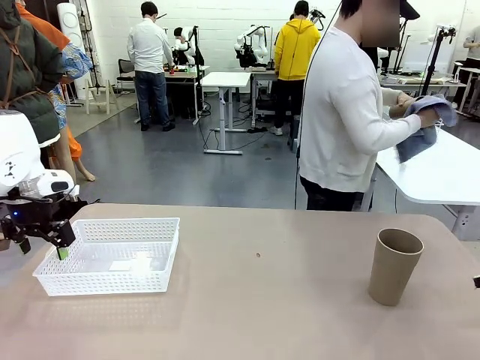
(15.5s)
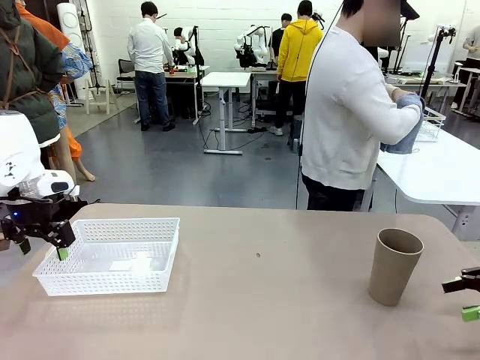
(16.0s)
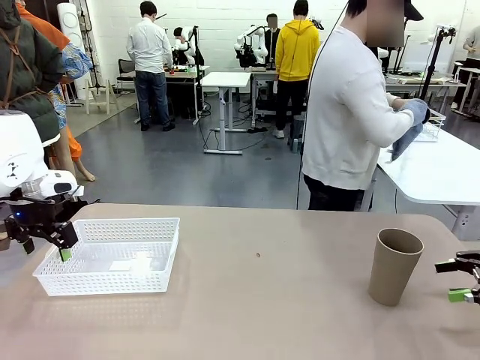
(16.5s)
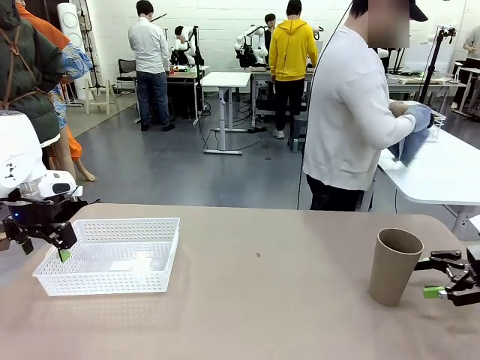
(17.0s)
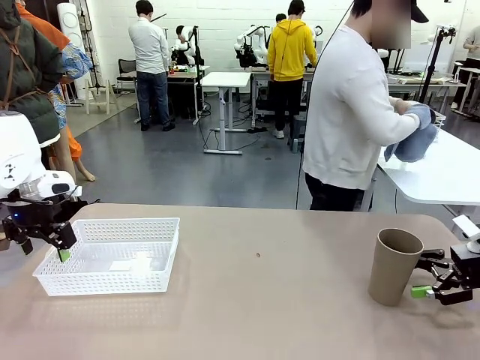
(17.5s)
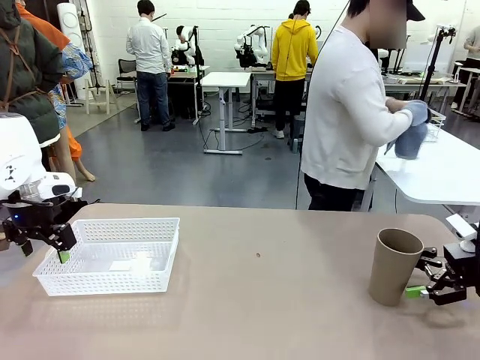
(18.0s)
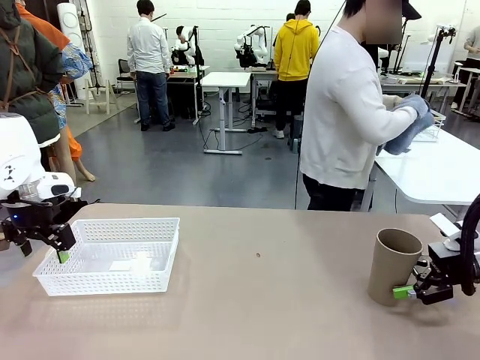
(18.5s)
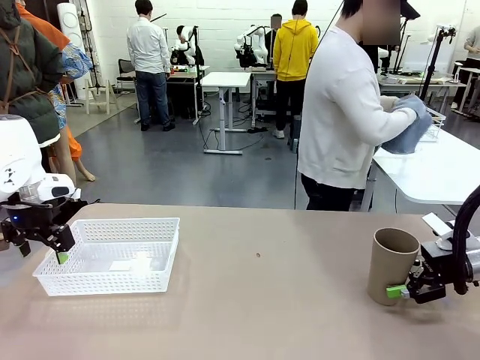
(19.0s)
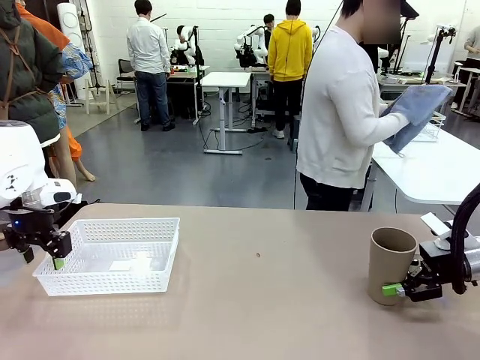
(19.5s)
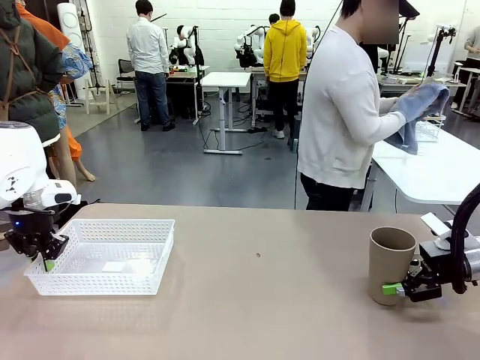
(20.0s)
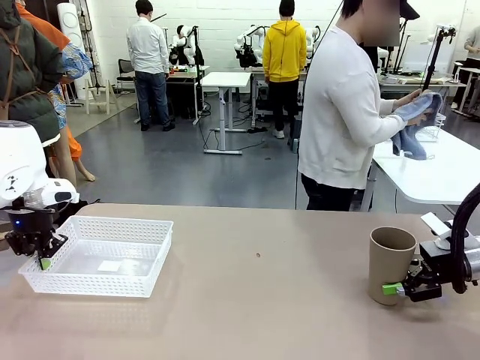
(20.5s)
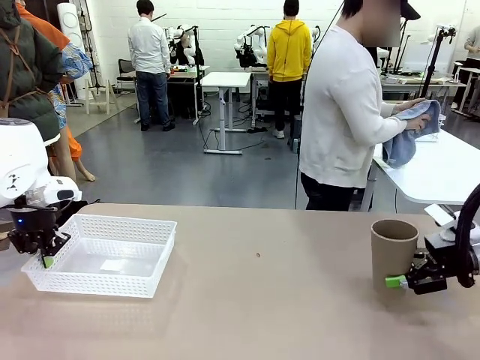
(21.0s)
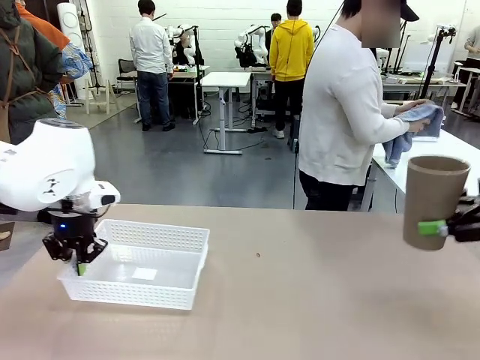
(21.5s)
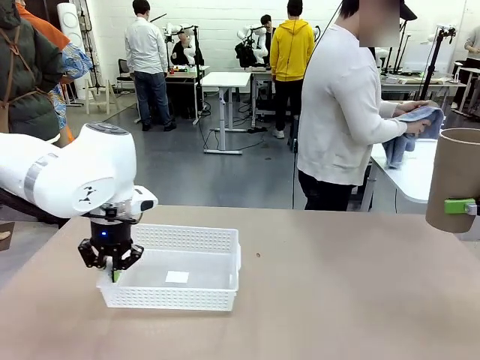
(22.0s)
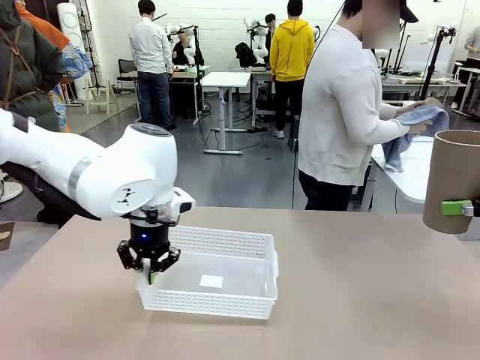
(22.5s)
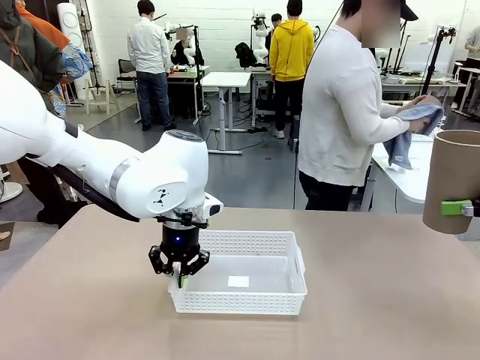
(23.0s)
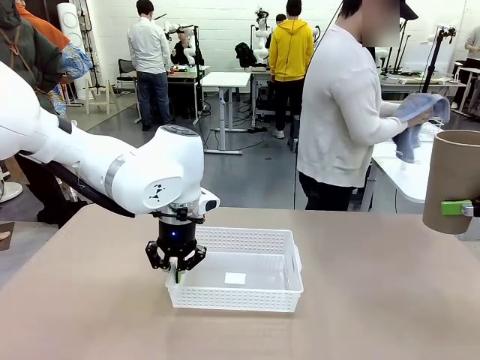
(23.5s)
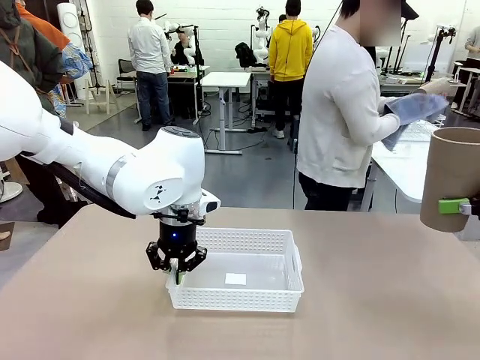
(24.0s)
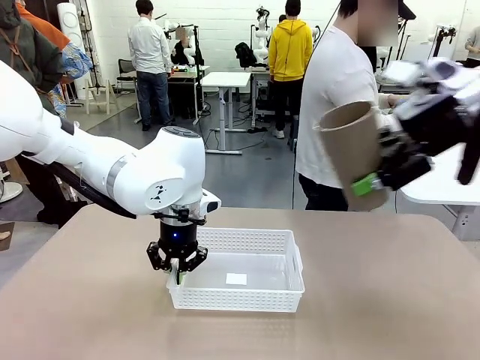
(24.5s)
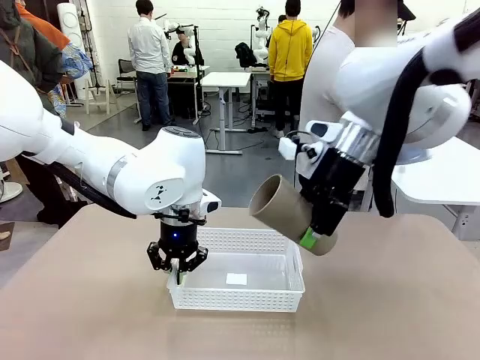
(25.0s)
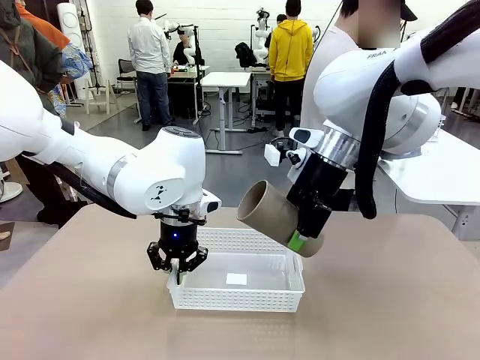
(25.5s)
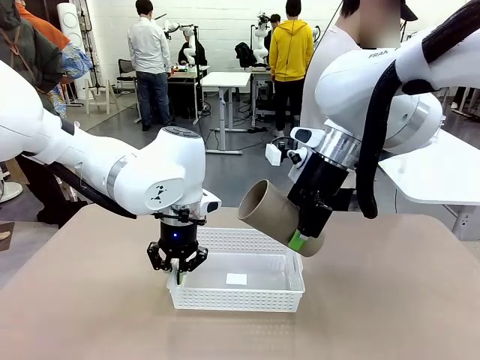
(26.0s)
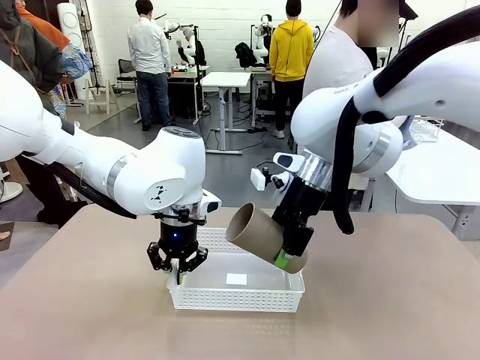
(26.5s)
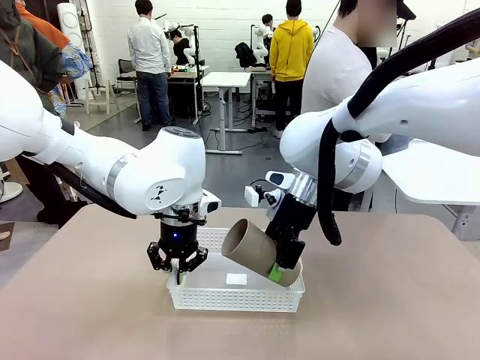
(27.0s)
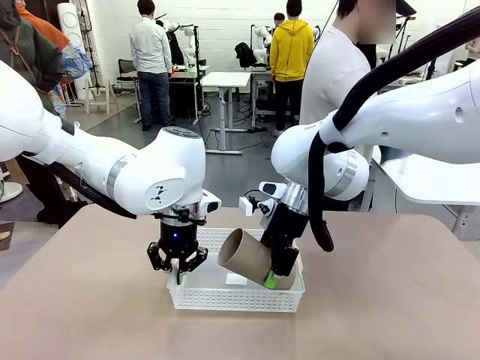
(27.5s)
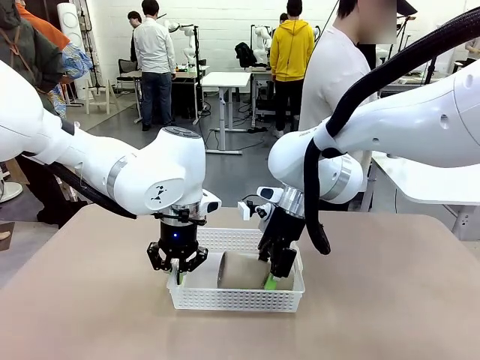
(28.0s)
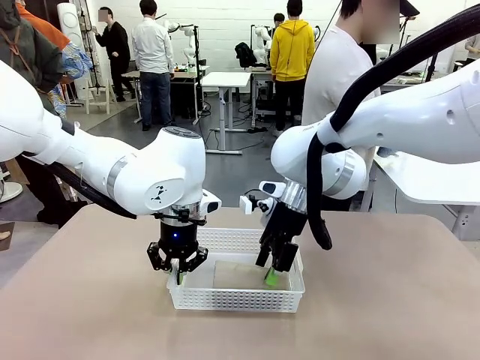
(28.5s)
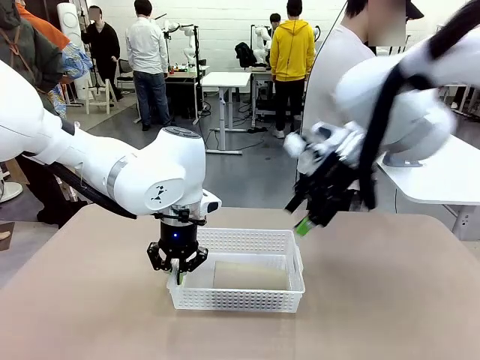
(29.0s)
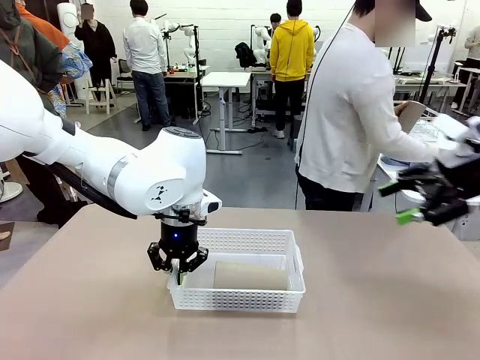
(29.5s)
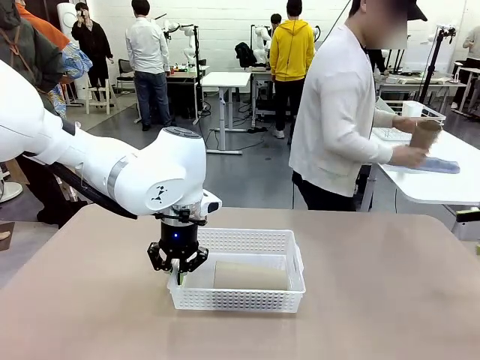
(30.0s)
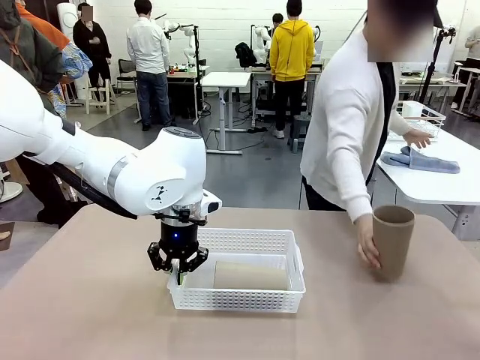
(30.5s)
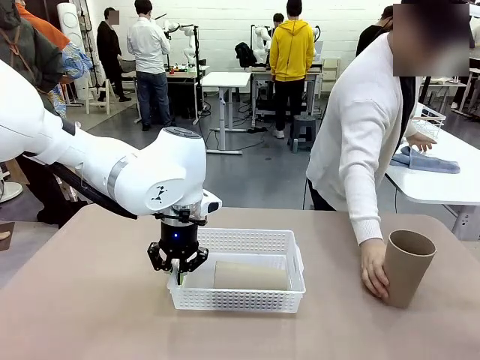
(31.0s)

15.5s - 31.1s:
Task: Clean and organize the cups into the basket.
Robot: Pick up the Organizing basket and move it to the center of the table, then pick up the Reusable plastic cup from the right side of the table and place it inside the Organizing basket.

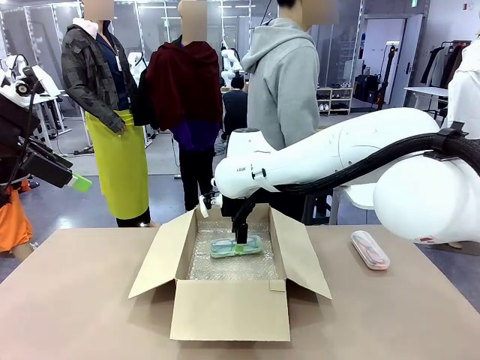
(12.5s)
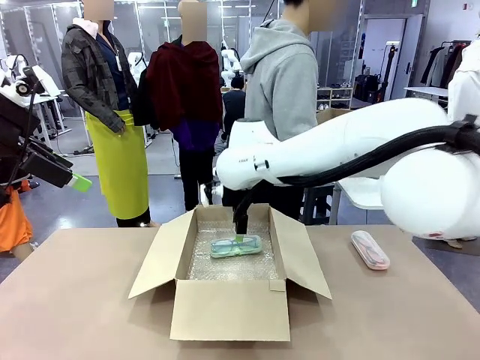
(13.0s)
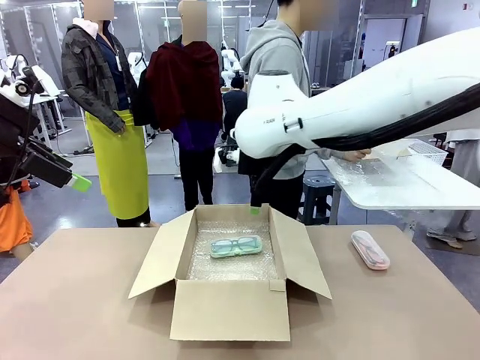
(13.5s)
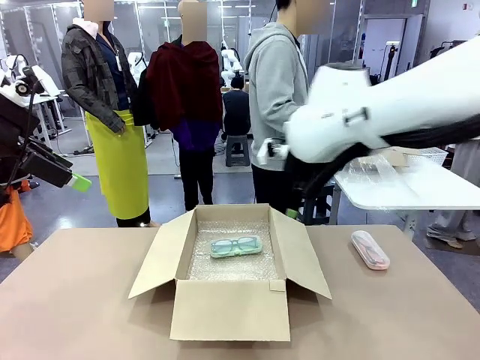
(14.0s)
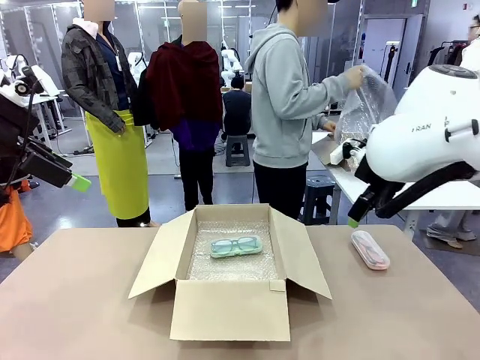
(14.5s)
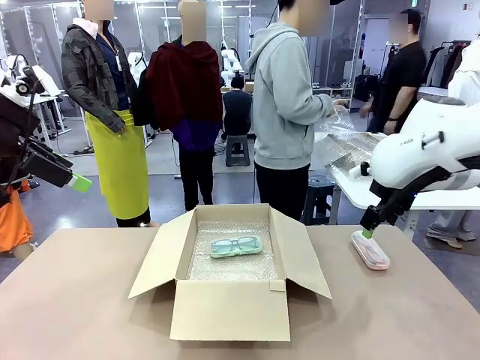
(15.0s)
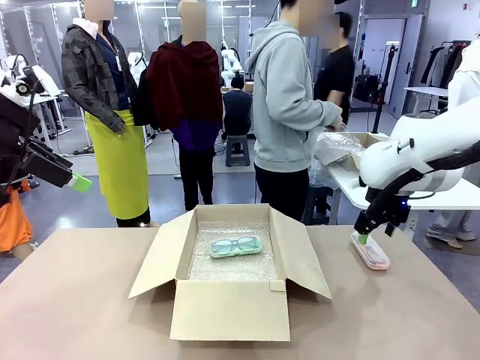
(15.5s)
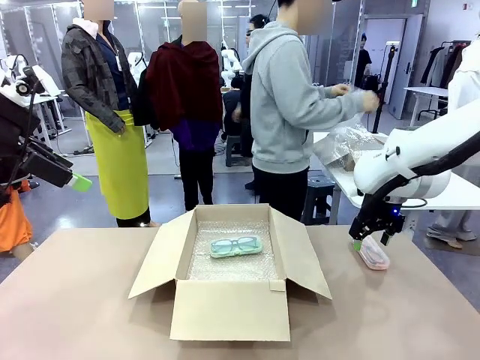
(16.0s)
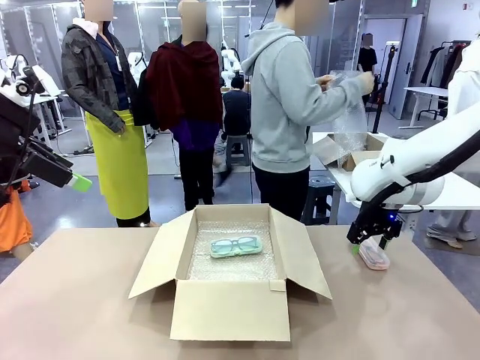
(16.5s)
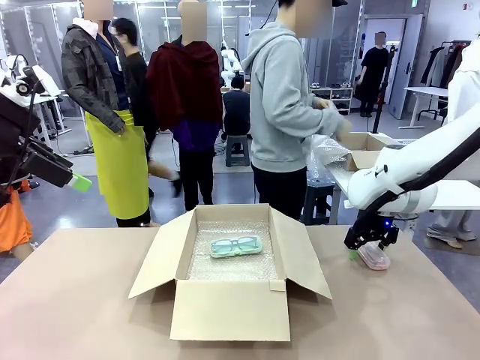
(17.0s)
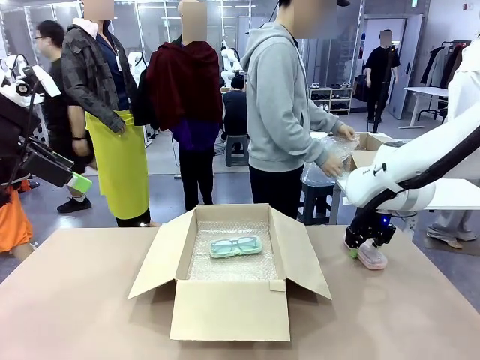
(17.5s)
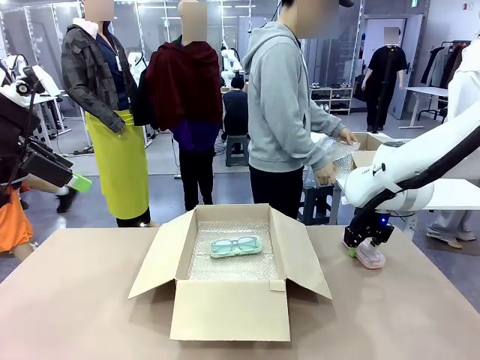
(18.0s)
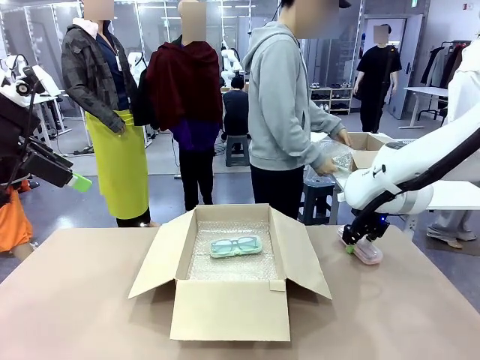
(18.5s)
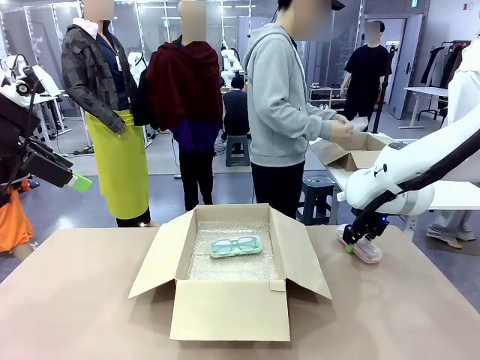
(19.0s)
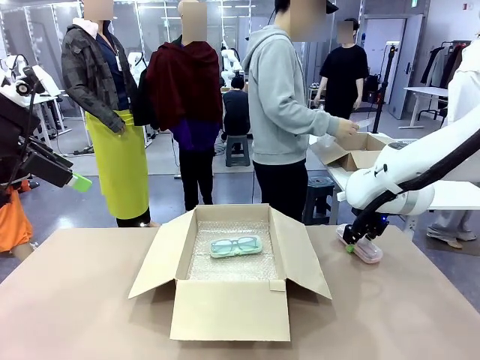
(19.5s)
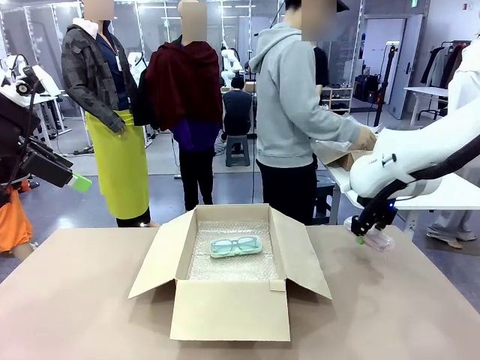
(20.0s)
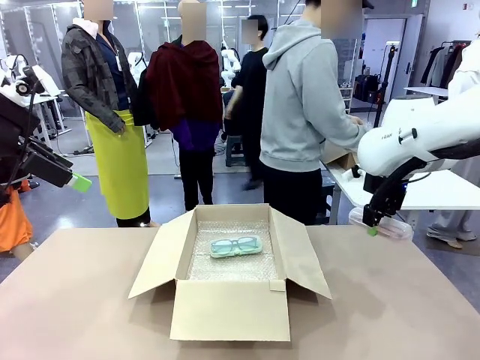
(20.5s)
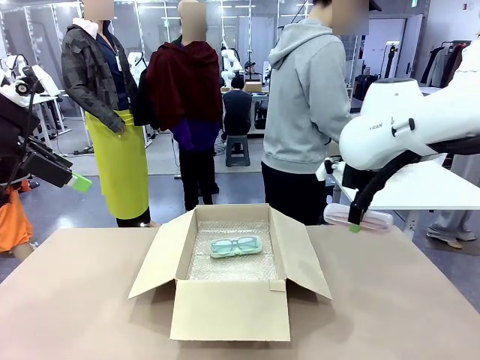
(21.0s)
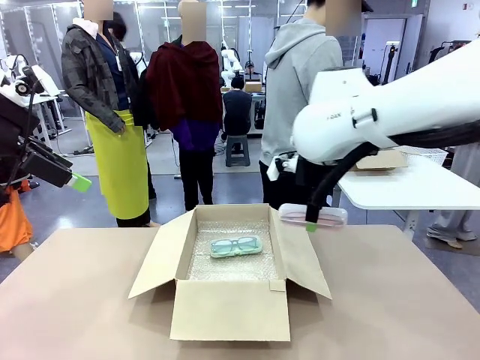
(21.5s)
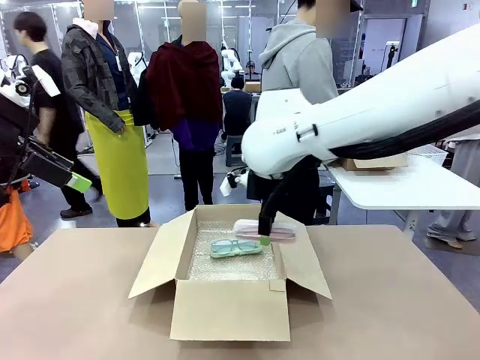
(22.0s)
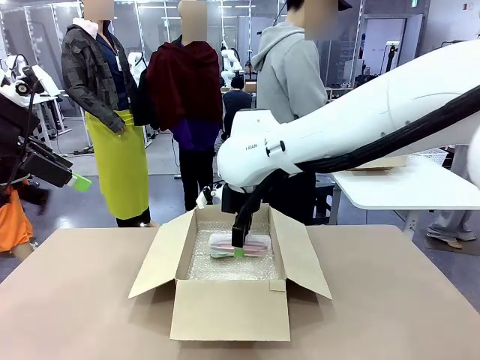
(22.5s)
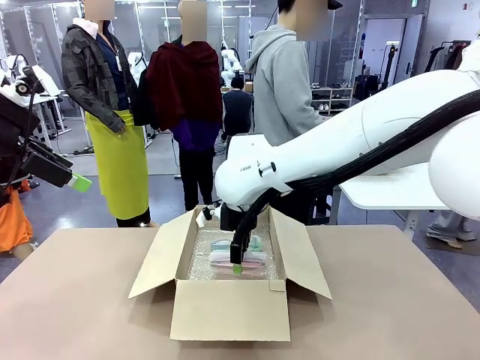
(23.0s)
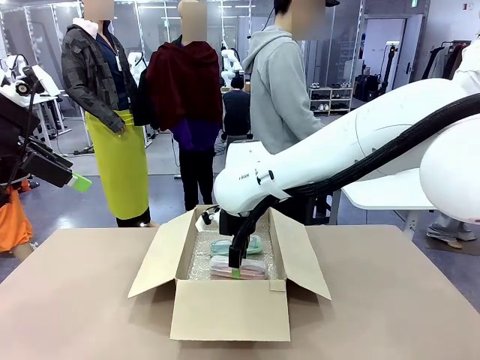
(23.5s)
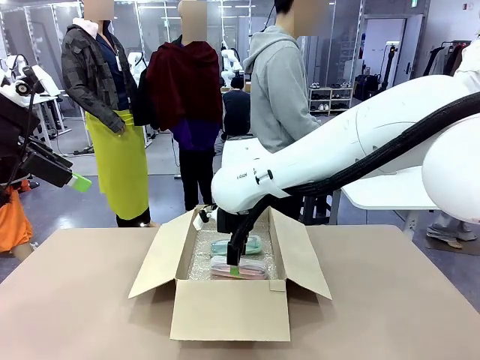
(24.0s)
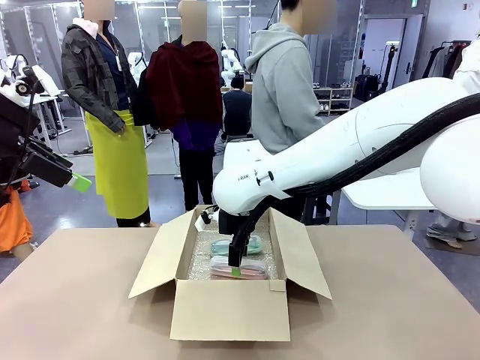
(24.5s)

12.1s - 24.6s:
Task: Pack the glasses set securely to prepare it for shipping.
Robot: Put the Glasses case from the right side of the table into the Package Box.
